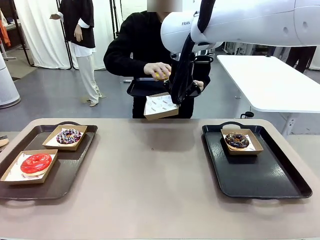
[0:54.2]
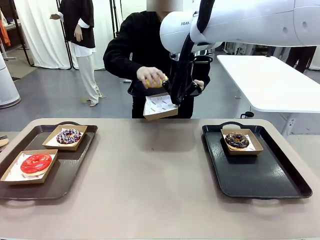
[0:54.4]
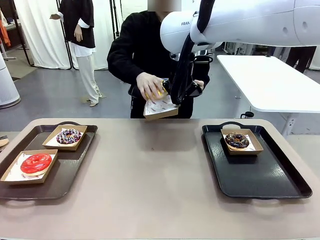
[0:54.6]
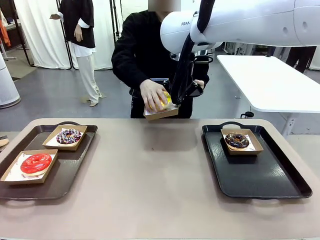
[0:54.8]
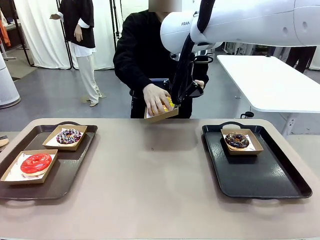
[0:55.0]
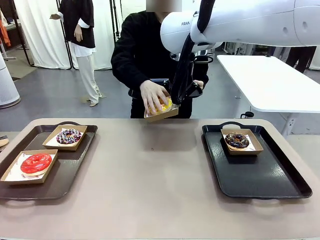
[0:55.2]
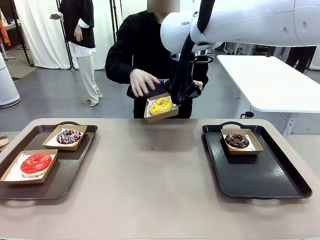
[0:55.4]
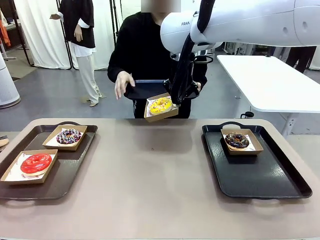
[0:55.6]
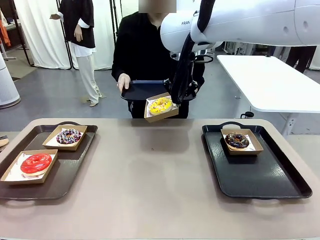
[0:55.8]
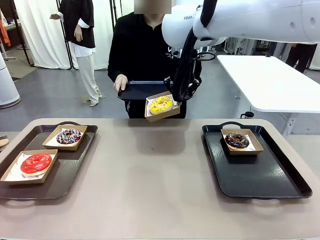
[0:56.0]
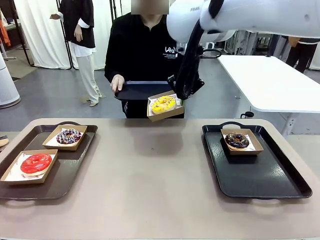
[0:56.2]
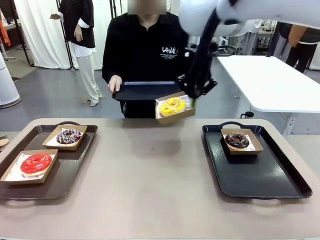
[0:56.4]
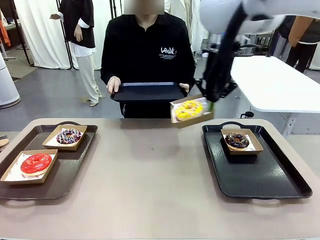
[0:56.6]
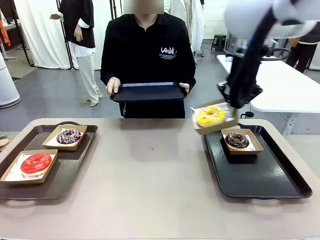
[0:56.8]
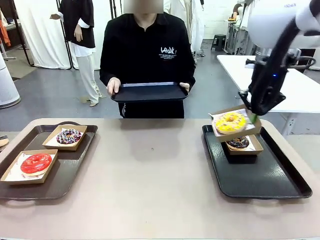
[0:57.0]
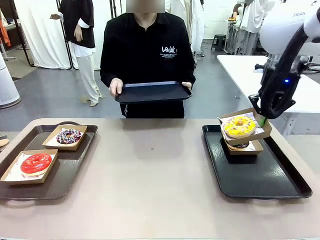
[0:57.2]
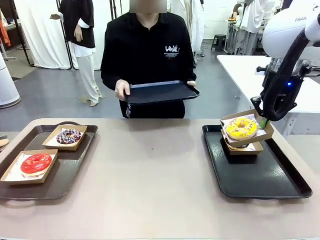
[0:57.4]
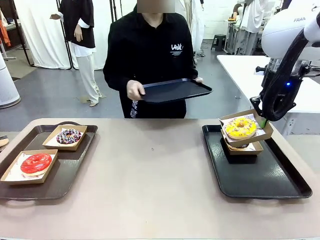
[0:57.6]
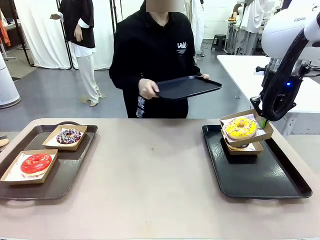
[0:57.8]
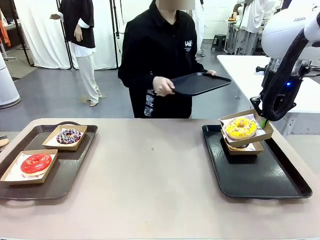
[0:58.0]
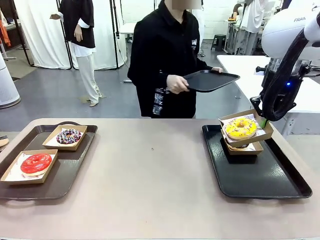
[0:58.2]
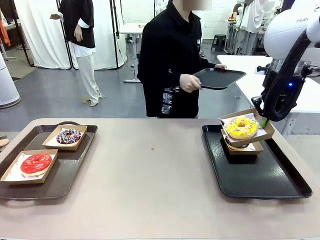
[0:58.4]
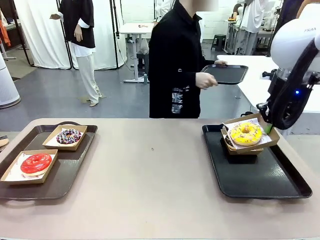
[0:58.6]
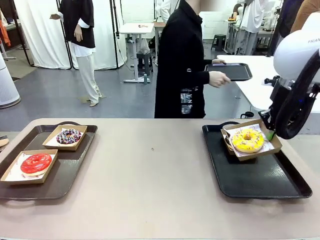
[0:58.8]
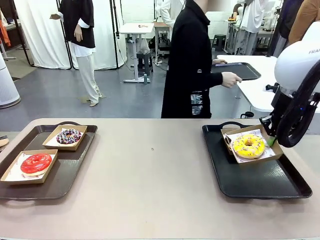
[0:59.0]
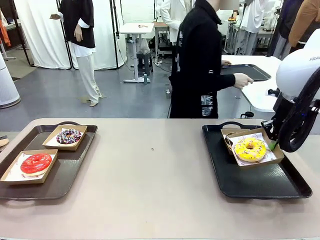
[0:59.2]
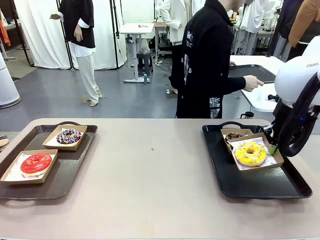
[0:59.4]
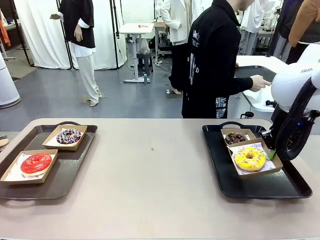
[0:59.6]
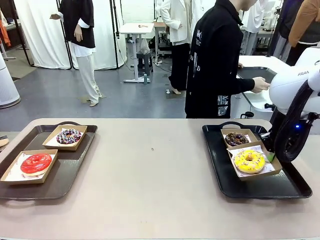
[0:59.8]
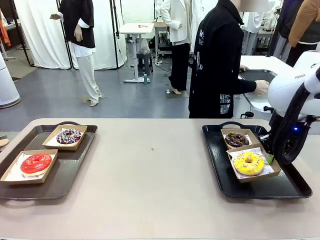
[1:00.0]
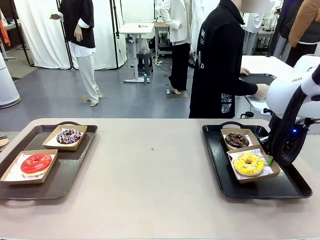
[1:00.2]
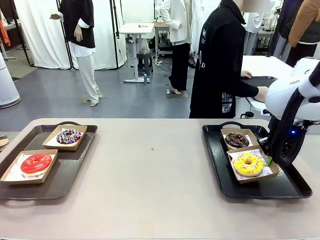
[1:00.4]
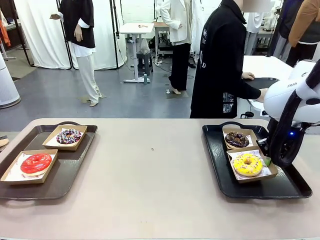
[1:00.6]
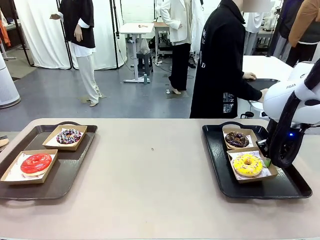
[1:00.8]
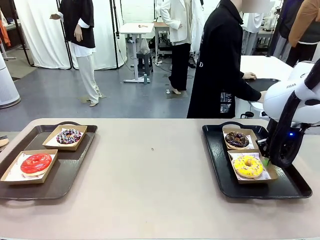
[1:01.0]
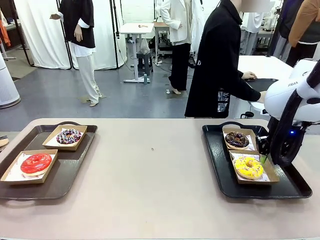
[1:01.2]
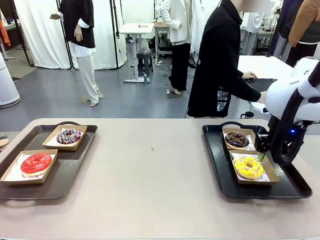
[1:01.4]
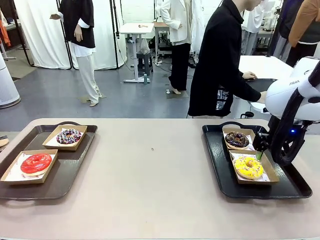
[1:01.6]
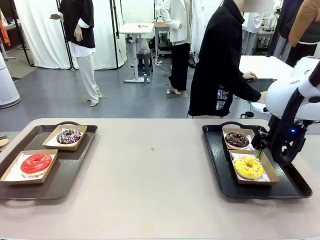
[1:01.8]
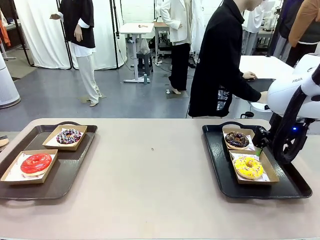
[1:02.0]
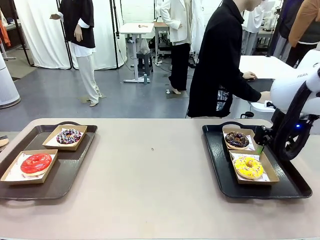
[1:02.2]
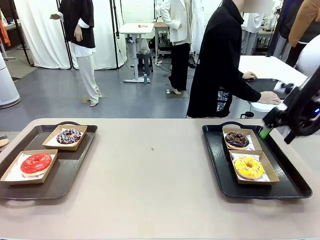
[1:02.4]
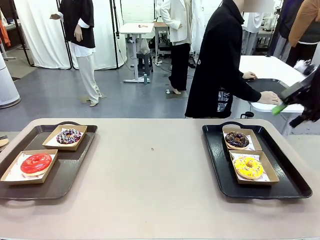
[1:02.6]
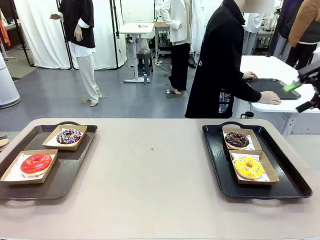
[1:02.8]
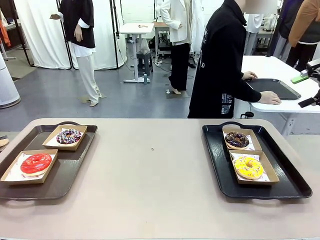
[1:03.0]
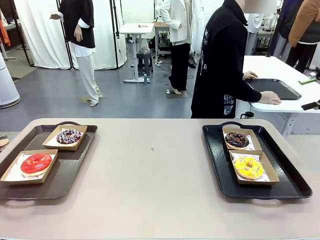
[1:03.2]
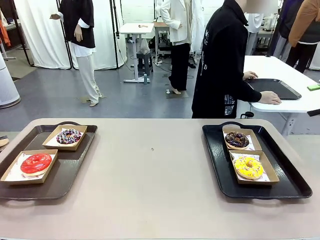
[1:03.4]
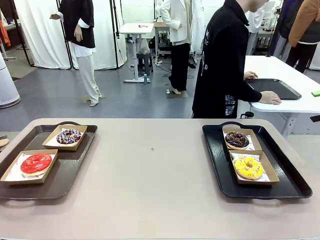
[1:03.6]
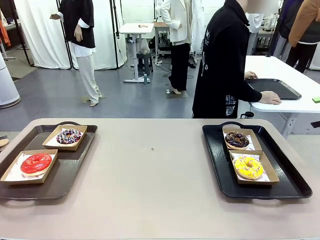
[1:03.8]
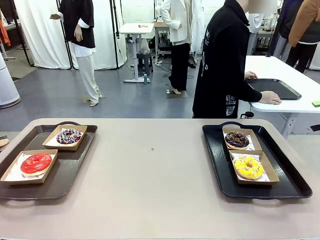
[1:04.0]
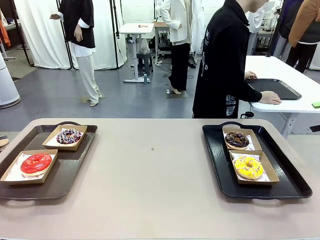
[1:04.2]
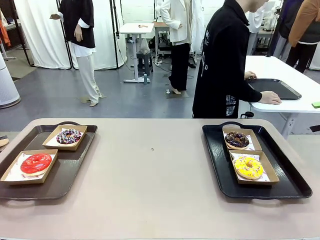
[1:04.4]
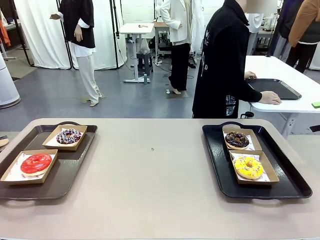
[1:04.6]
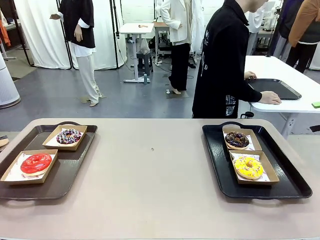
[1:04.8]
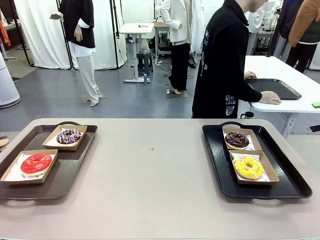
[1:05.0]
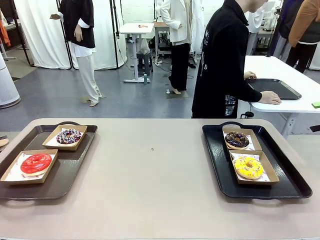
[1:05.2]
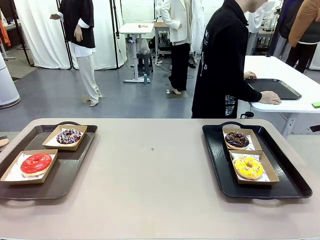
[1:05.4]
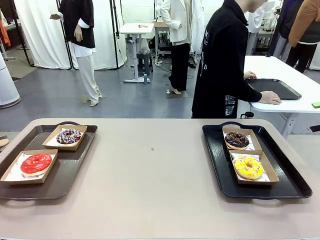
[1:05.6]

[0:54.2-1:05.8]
Task: Individually package the donuts and arrange them on the tray.
Robot: Place the picked Paper togo box on the Handle tray.
Person: Place the tray down in the middle of the human table.

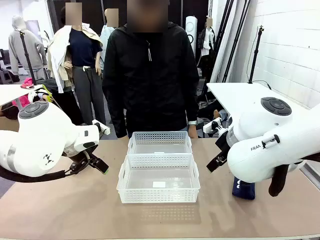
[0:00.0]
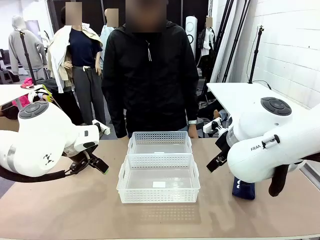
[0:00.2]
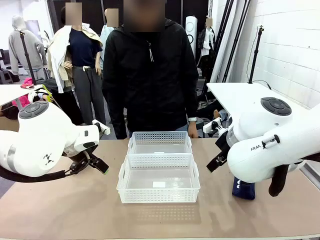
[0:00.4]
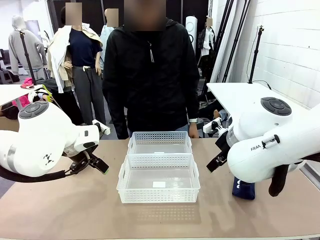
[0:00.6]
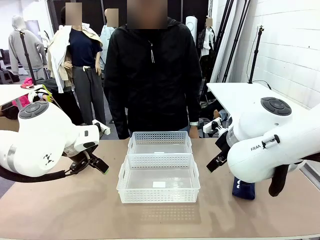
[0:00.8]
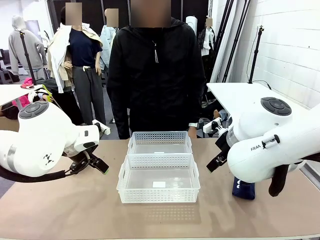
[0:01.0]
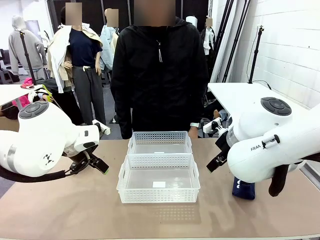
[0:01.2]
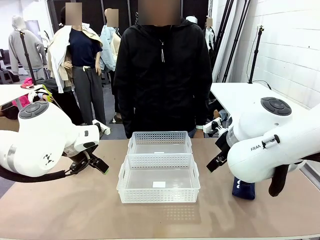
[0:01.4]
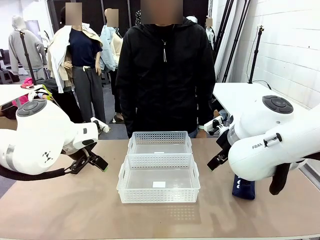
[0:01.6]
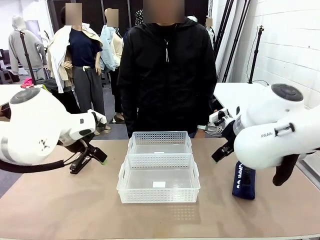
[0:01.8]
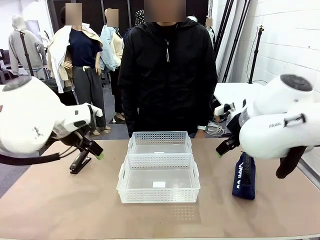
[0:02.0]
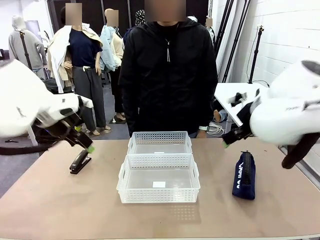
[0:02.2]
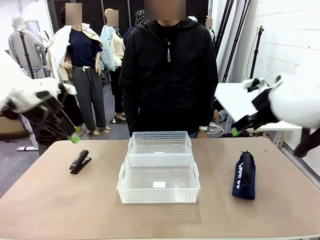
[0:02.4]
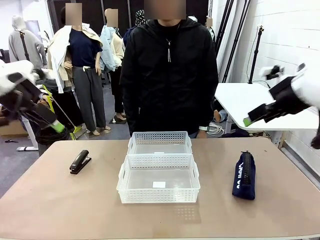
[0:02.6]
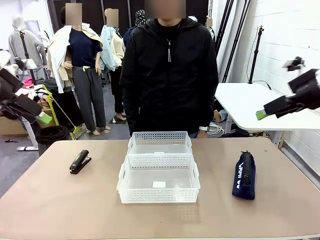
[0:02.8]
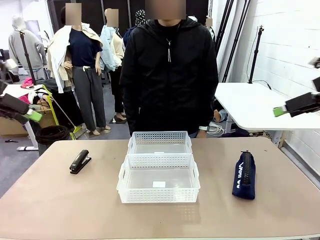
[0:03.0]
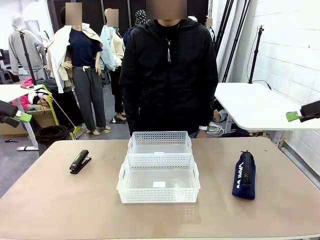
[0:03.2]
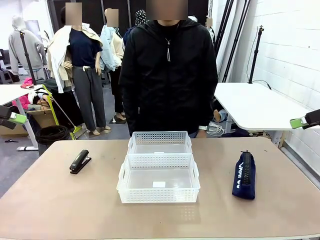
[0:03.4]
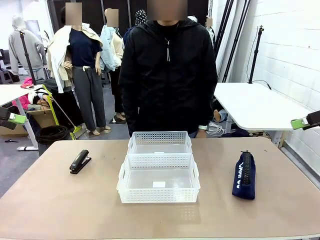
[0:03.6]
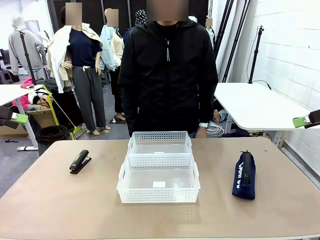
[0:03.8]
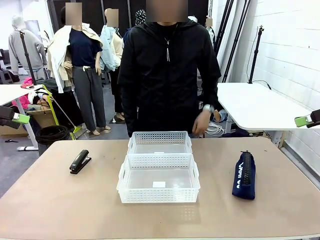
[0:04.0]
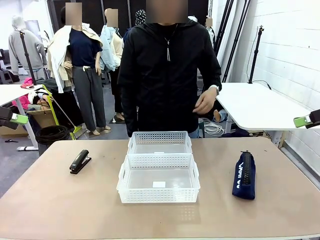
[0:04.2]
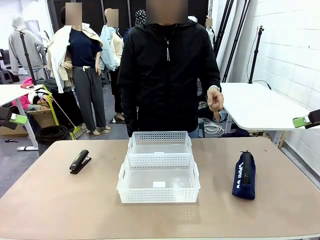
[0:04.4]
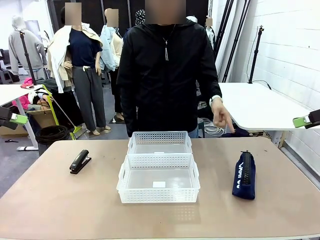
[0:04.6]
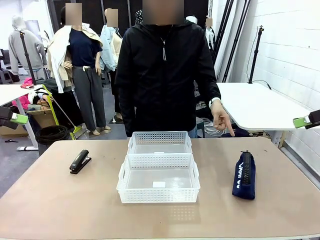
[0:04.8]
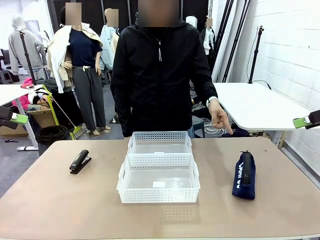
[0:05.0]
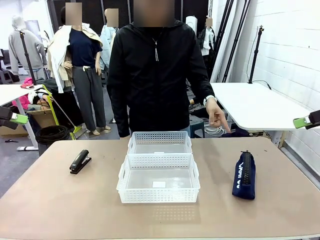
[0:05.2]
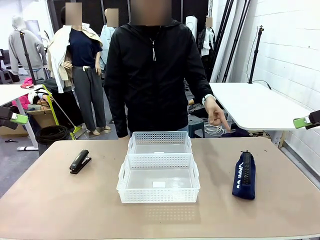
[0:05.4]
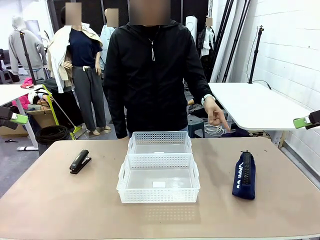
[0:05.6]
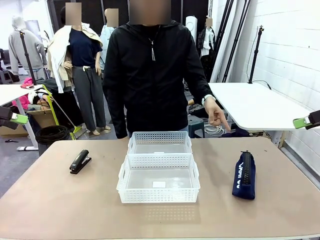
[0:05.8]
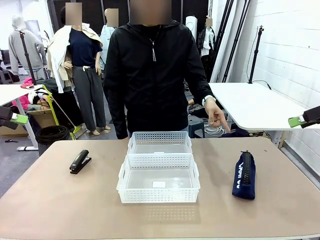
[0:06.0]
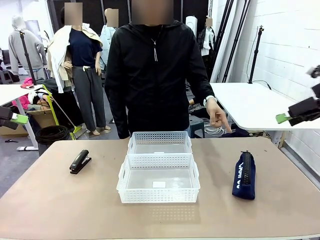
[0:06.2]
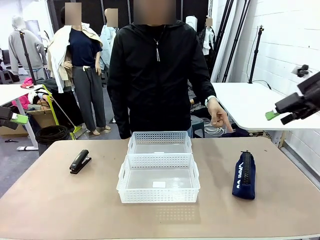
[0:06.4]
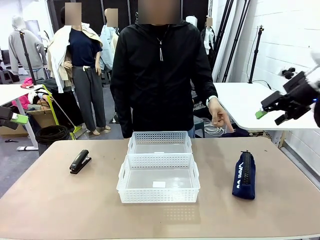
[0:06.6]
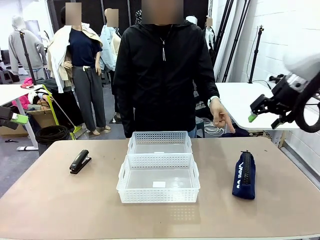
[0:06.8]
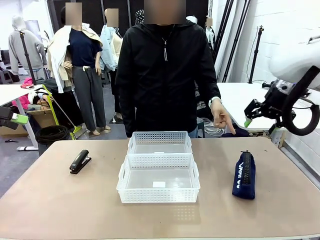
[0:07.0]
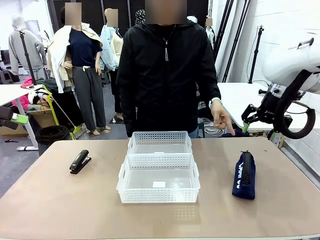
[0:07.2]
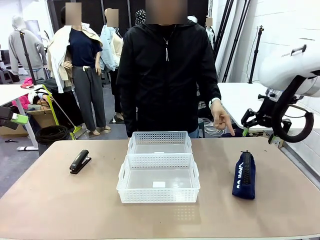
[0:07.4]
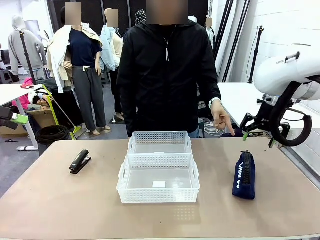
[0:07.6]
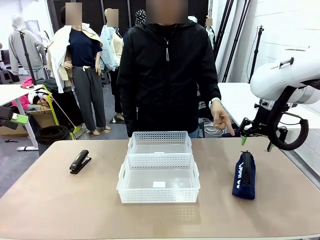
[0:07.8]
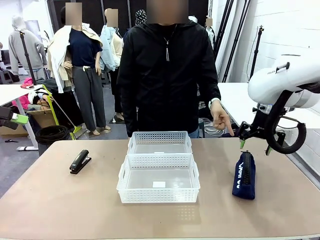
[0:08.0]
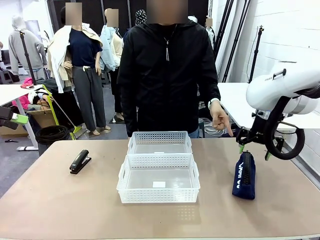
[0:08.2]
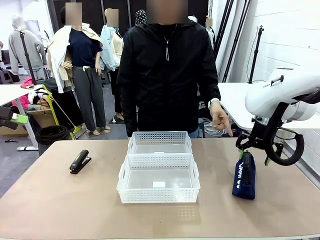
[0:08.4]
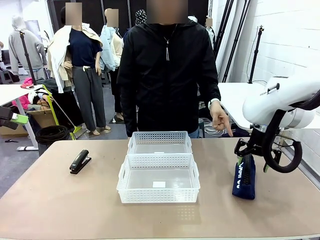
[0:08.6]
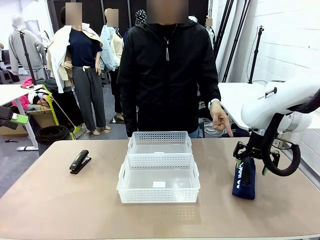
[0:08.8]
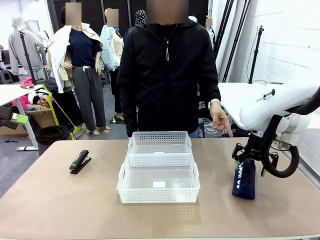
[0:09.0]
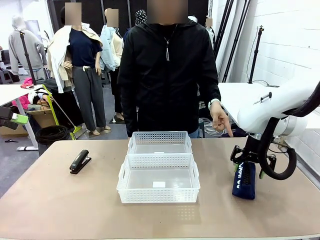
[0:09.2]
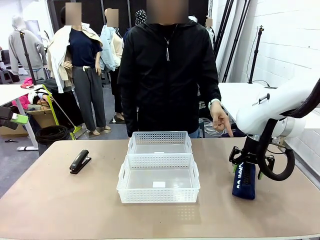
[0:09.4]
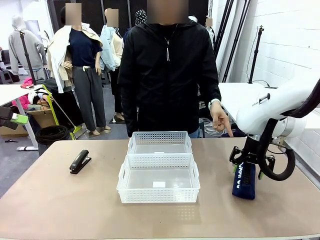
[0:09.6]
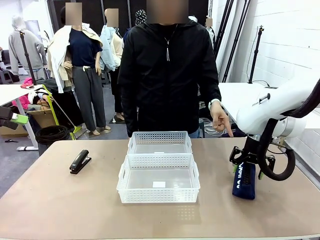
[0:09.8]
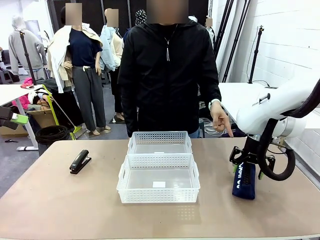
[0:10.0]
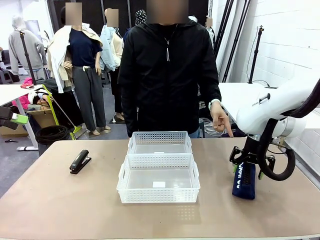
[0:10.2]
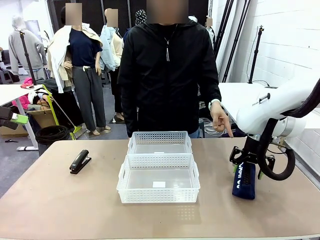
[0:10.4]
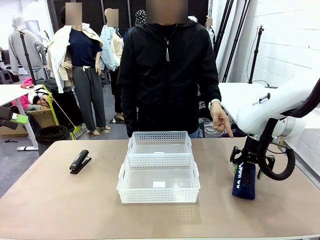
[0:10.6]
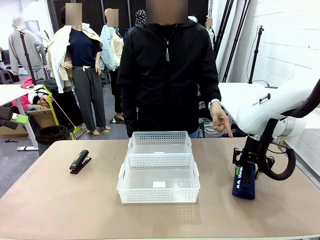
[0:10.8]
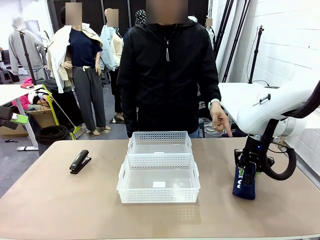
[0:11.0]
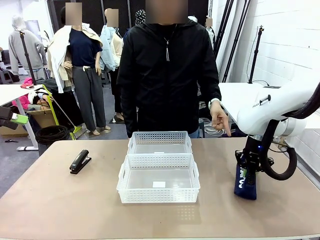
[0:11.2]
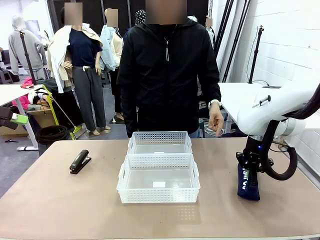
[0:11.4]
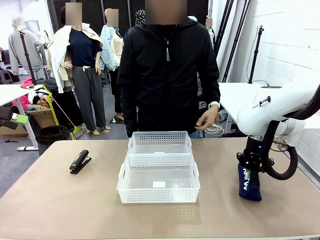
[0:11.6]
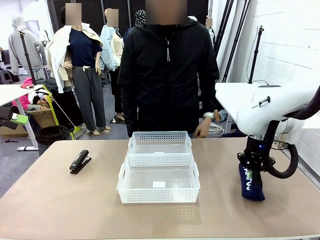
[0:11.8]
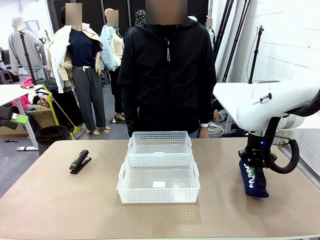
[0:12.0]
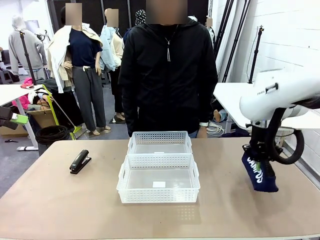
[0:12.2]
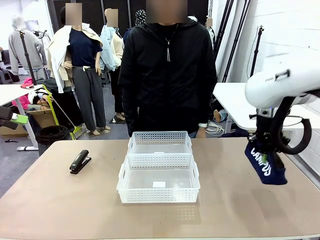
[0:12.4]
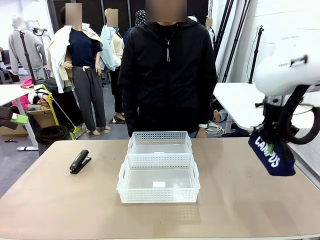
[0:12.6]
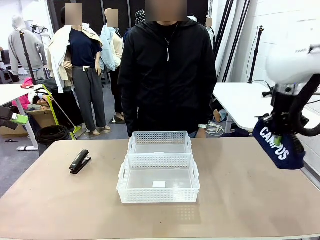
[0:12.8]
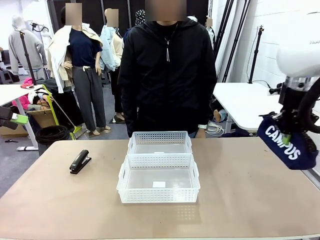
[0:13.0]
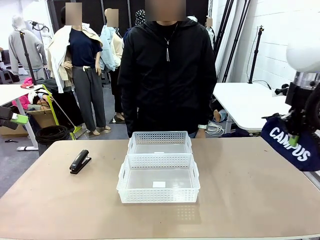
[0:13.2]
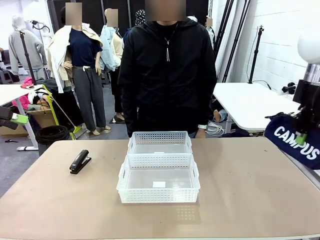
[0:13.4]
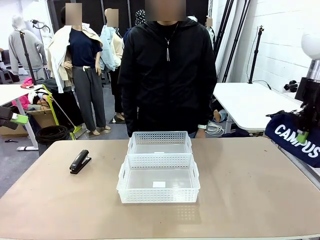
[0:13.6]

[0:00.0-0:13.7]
Task: Distribute items into two baskets.
Robot: Pick up the Pencil pouch that the person points to.
Person: Points to the pencil case. Points between the two organizing baskets and instructs the robot to move the pencil case.
